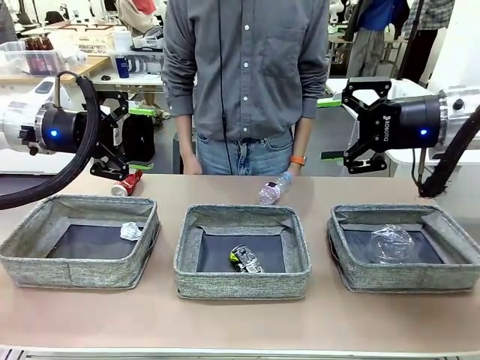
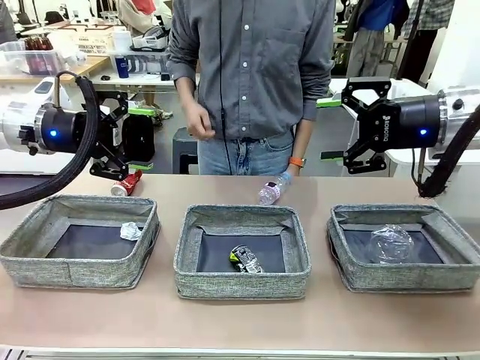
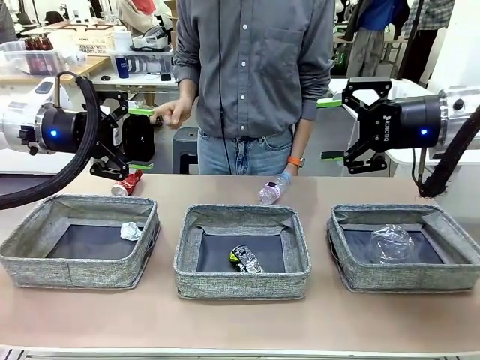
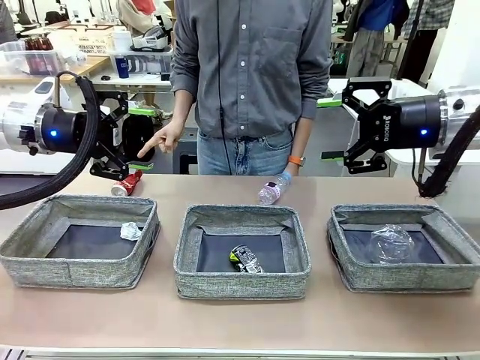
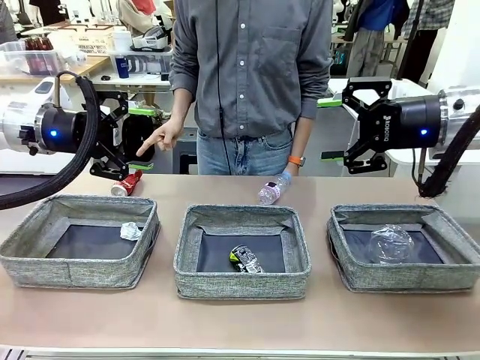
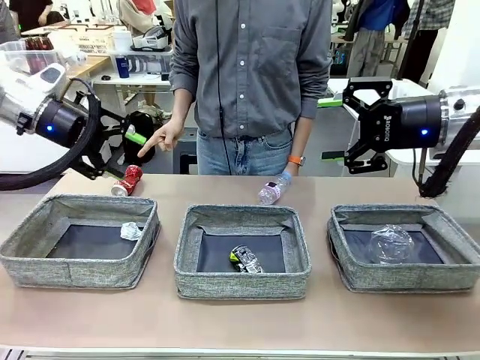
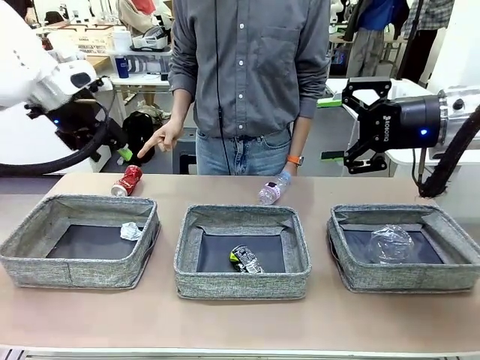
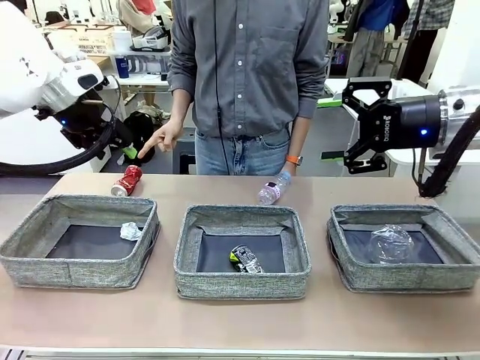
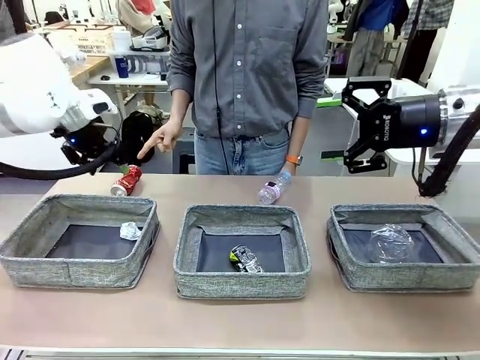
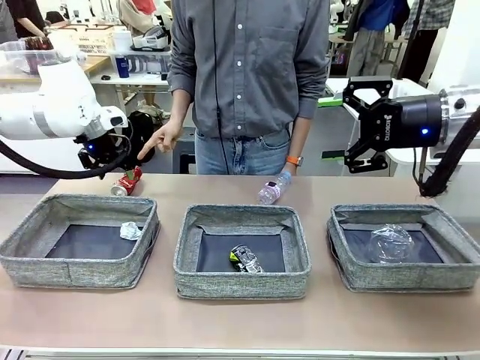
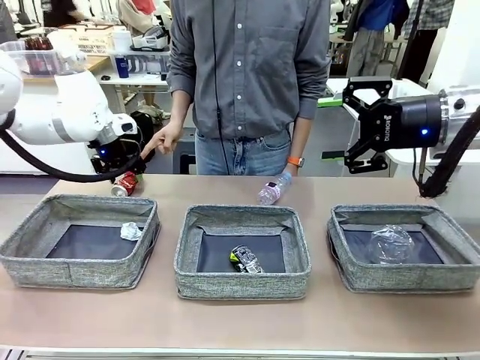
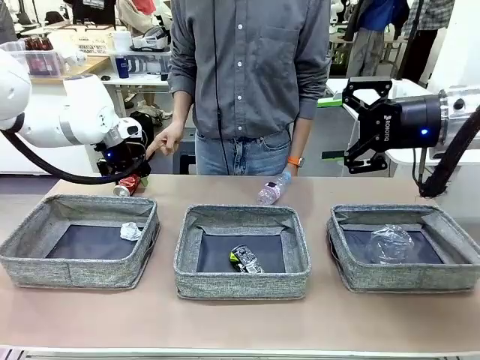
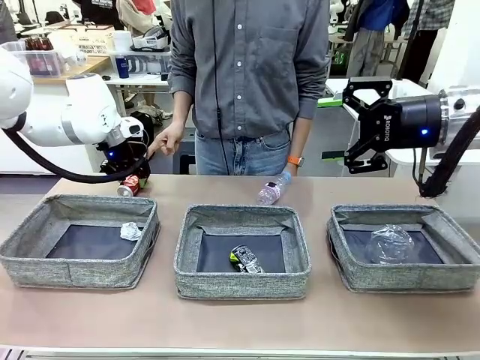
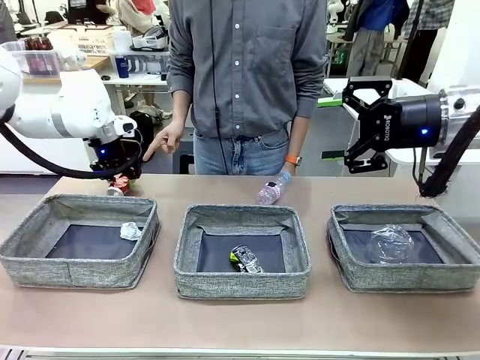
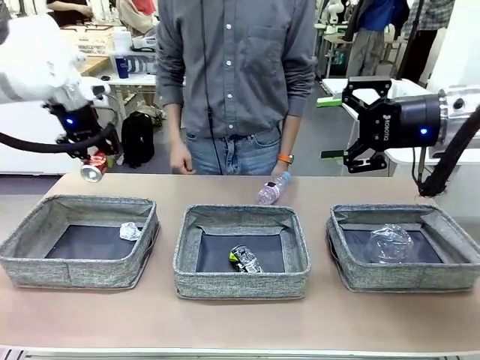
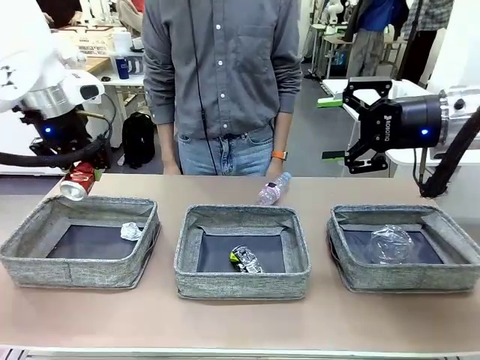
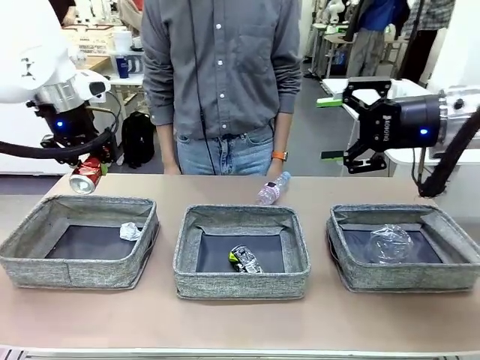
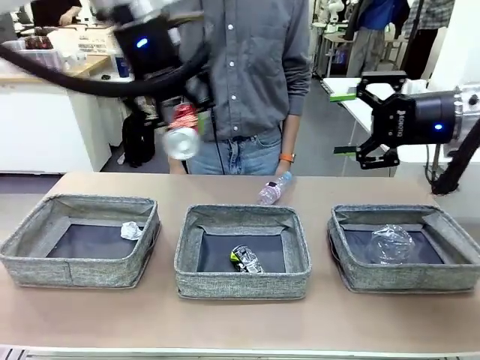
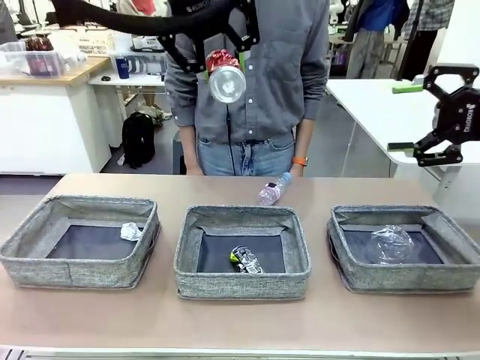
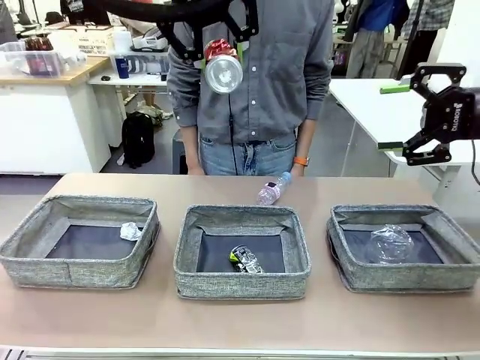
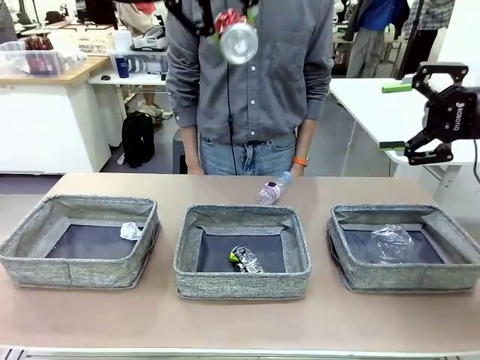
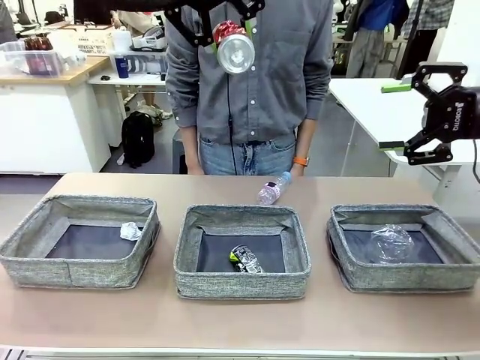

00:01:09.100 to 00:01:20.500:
Task: Sort the waste into the appropriate baskets.
Robot: Pick up the waste item pointed out by the person.
Person: Points to one piece of trash on the table.

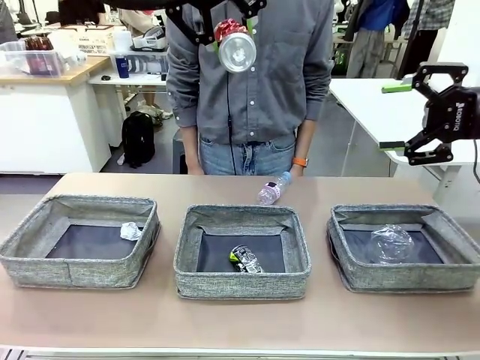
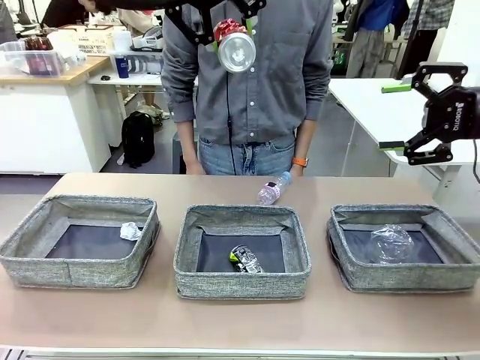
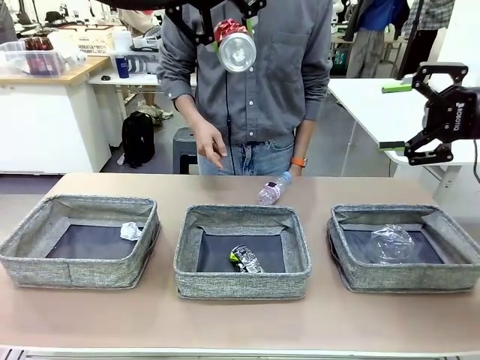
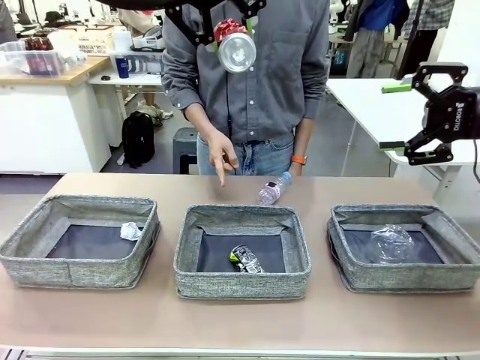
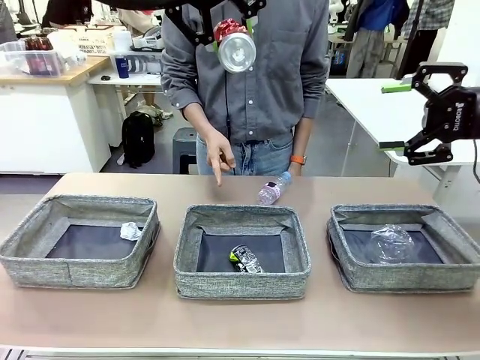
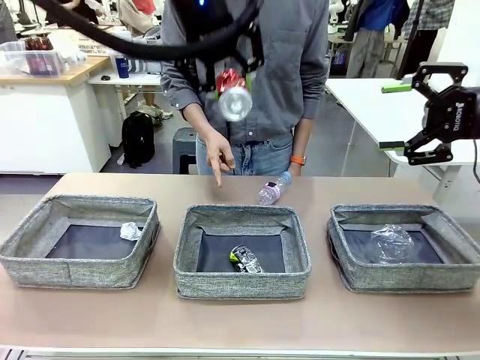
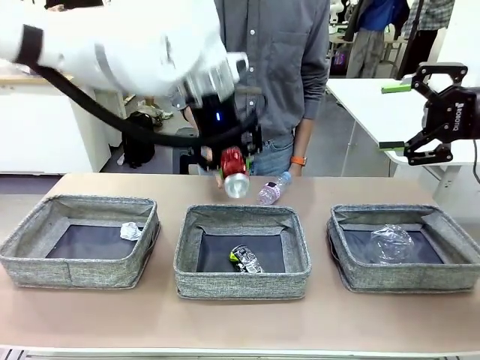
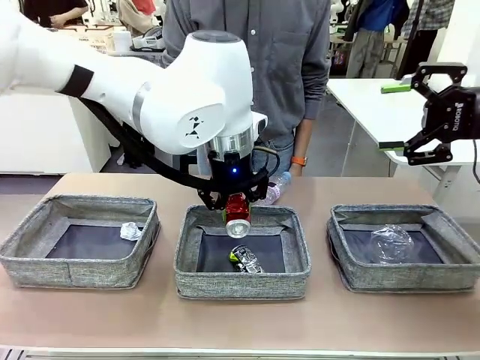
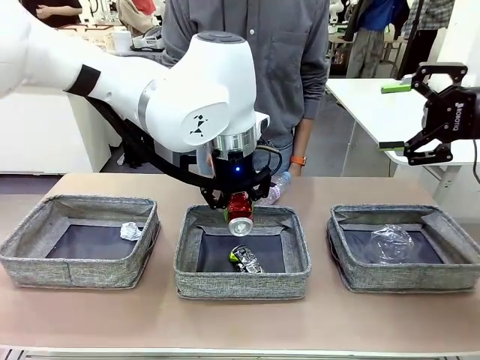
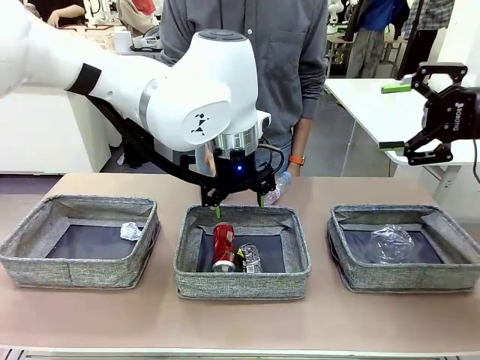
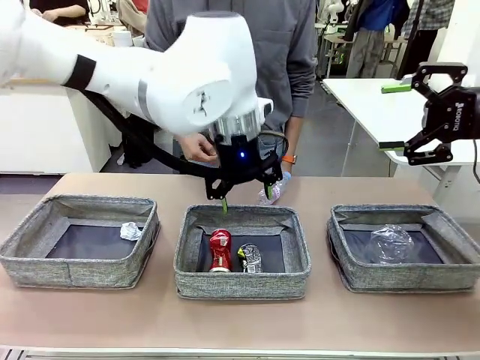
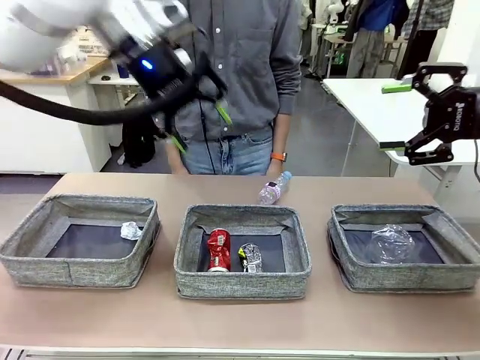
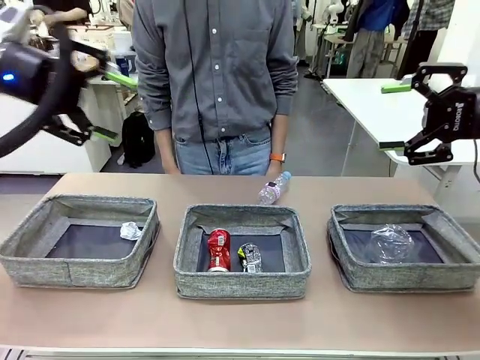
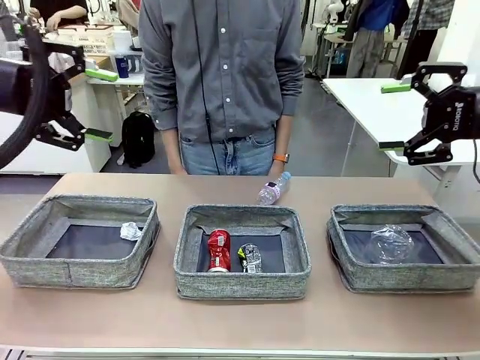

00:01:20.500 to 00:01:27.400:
Robot: Place the picked waste into the Fabric basket indicated by the person.
Person: Instructs the robot to place the picked-up trash into the appropriate organizing basket.

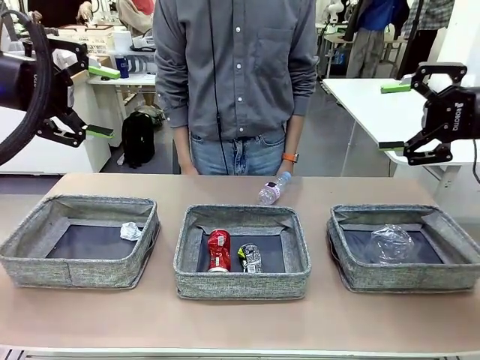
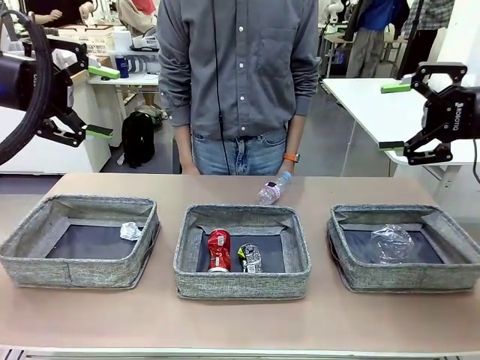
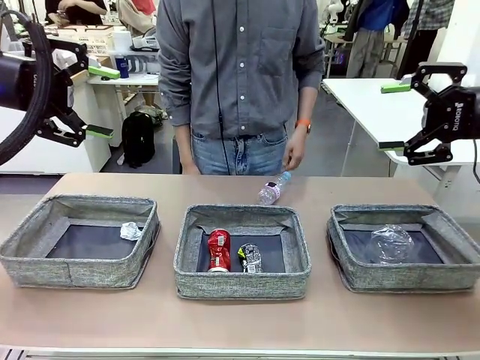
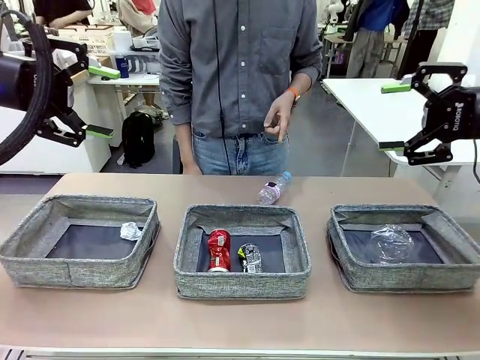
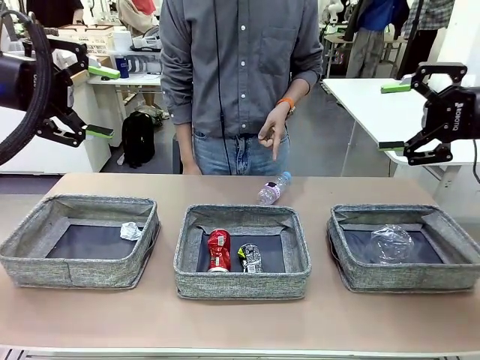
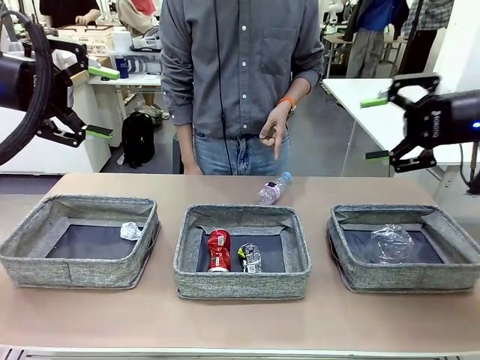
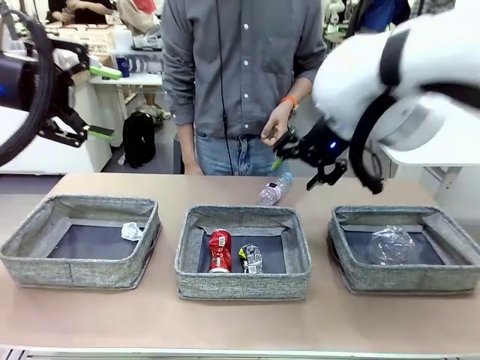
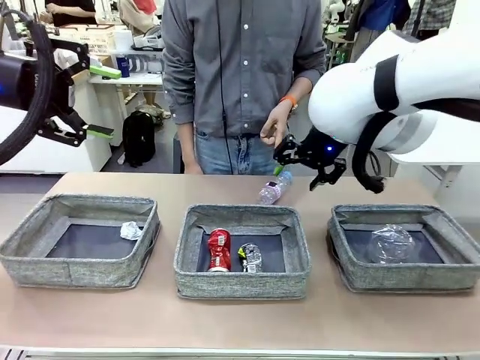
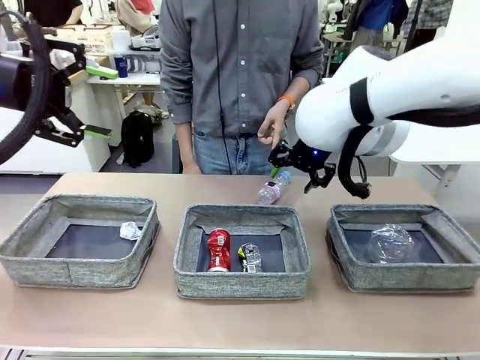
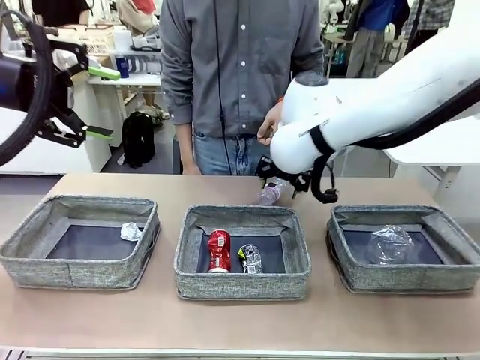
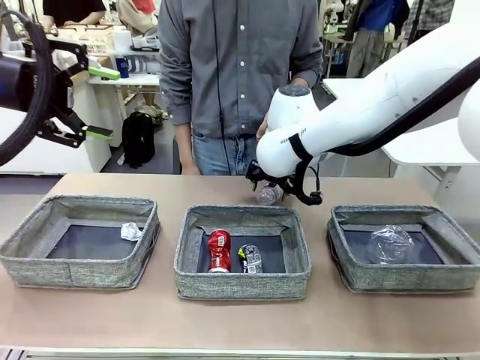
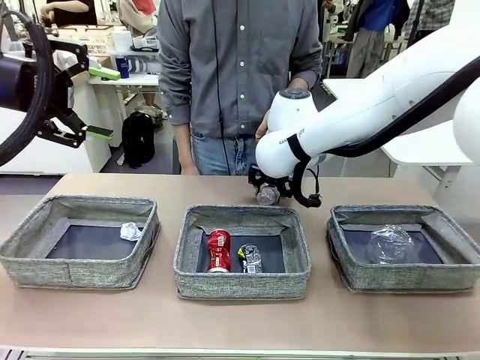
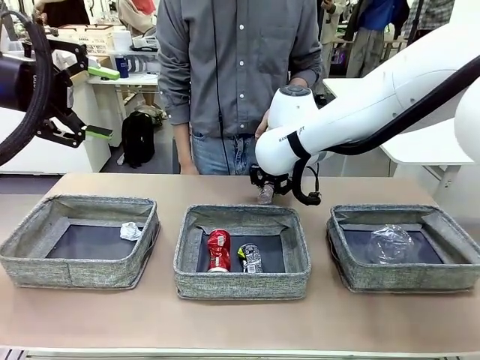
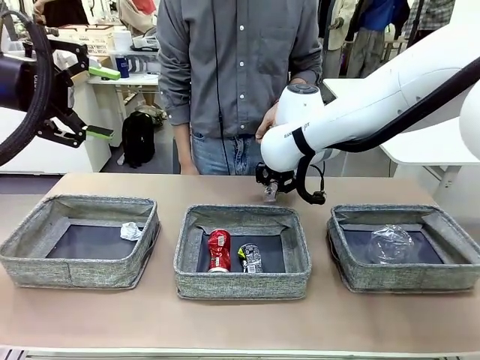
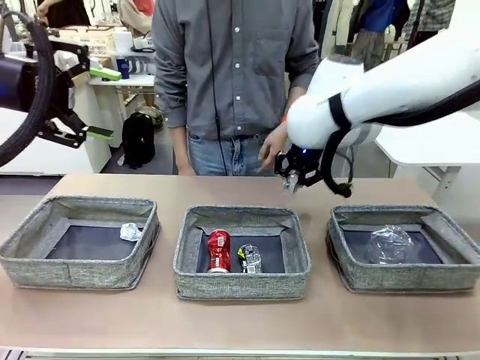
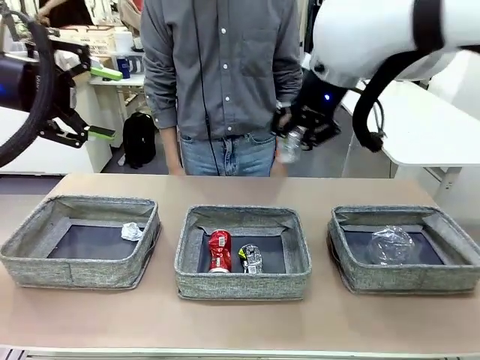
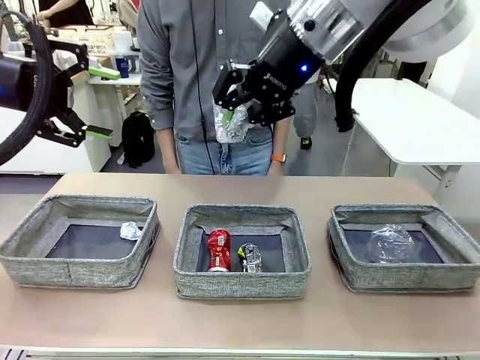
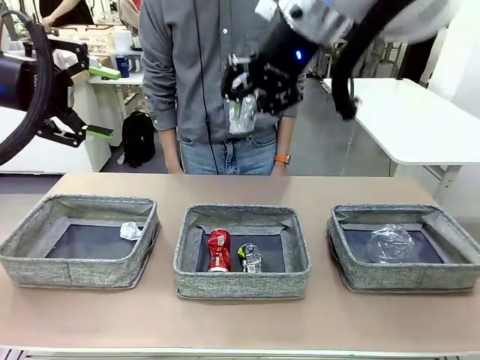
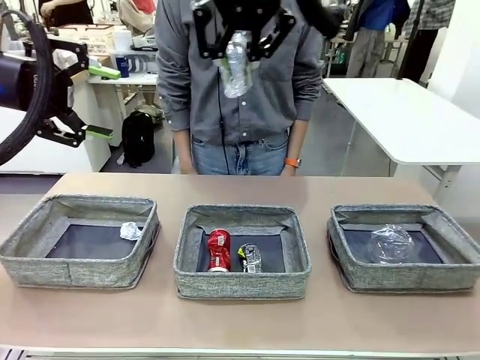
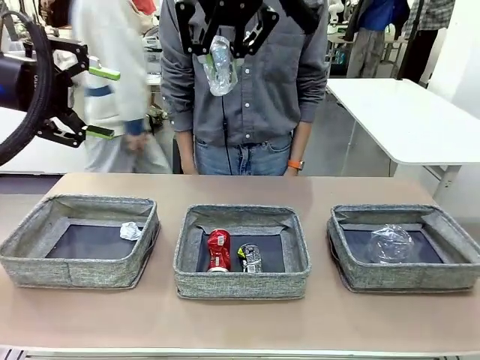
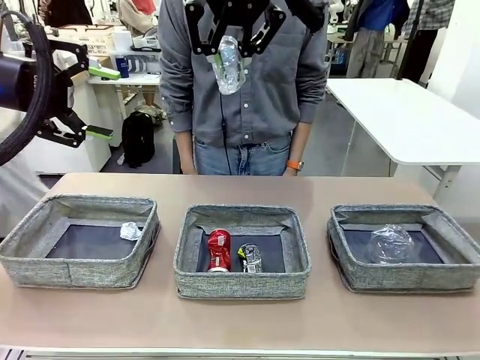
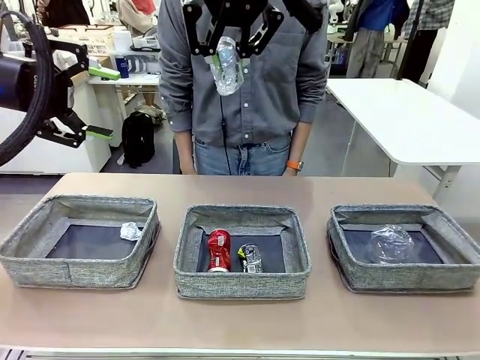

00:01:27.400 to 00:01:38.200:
Robot: Pick up the waste item pointed out by the person.
Person: Points to one piece of trash on the table.
